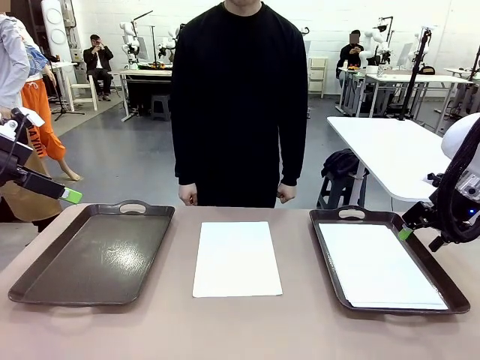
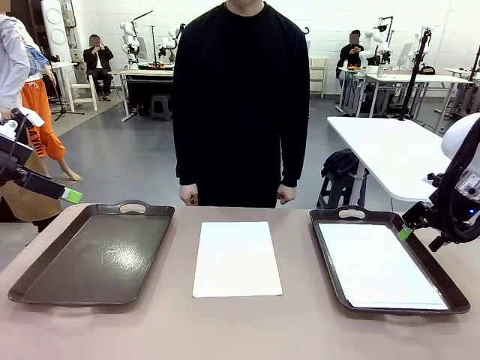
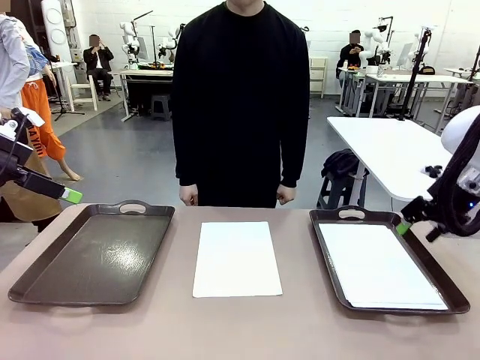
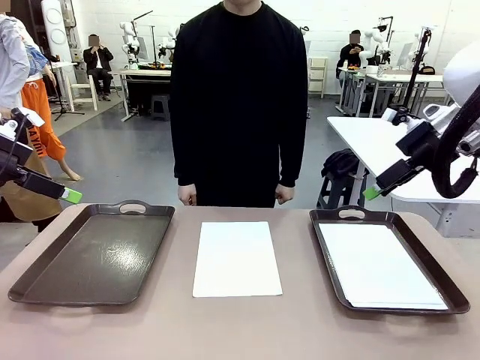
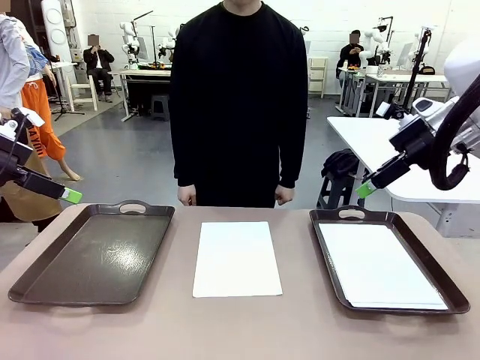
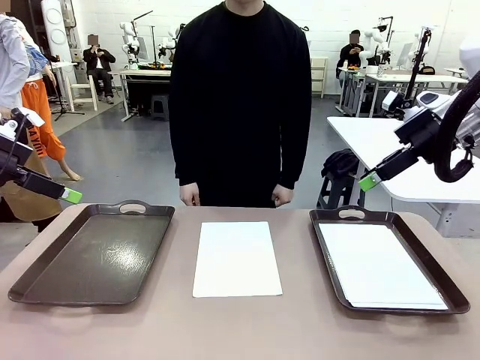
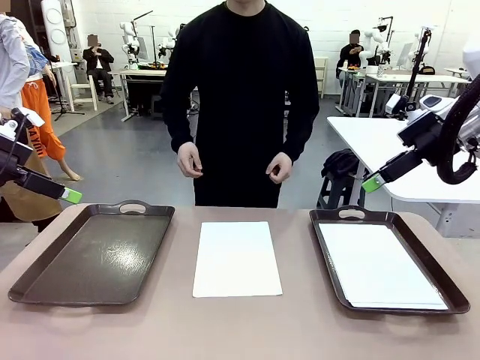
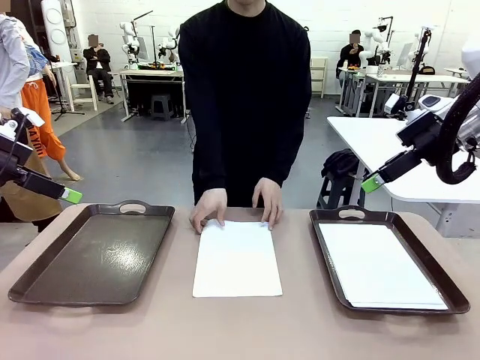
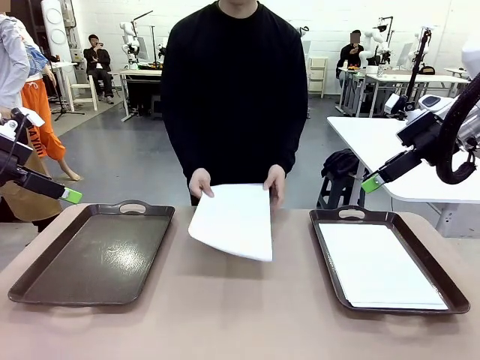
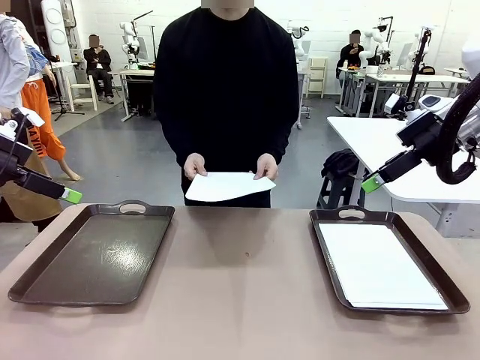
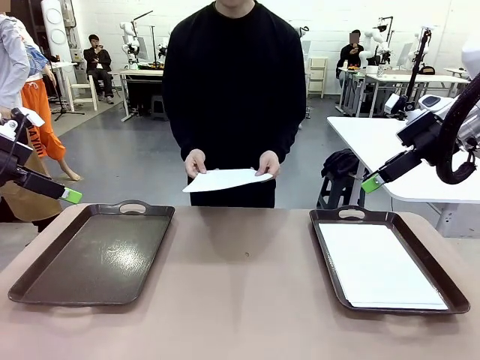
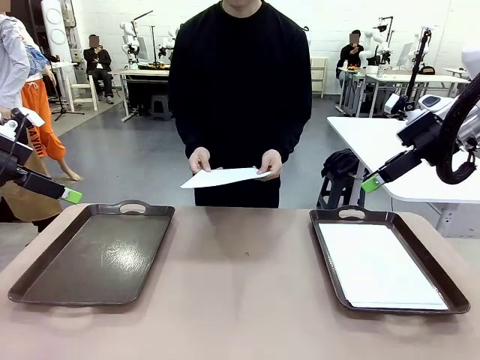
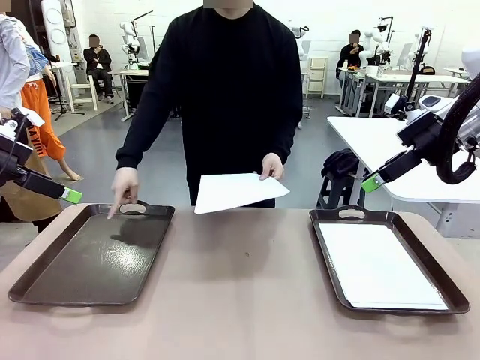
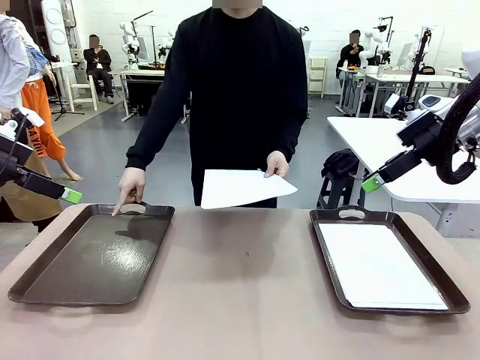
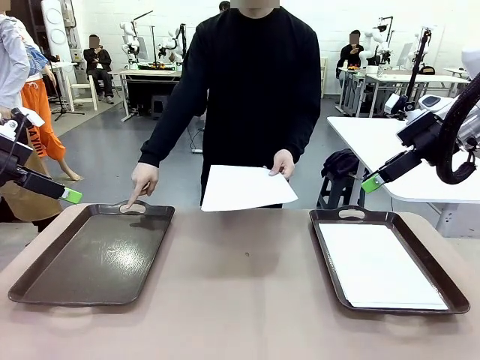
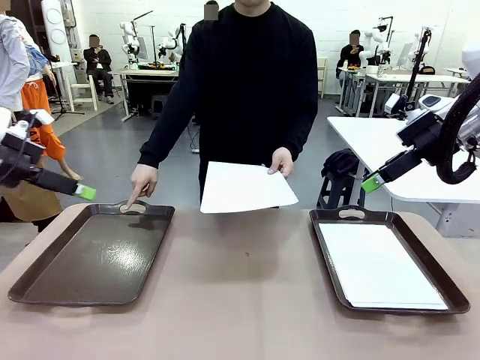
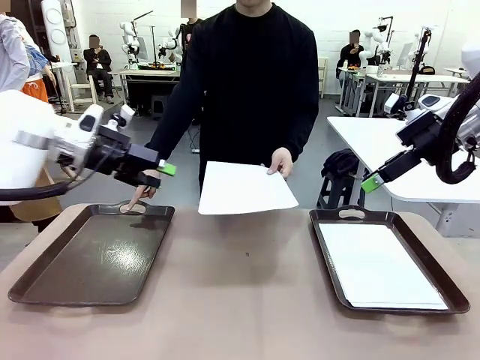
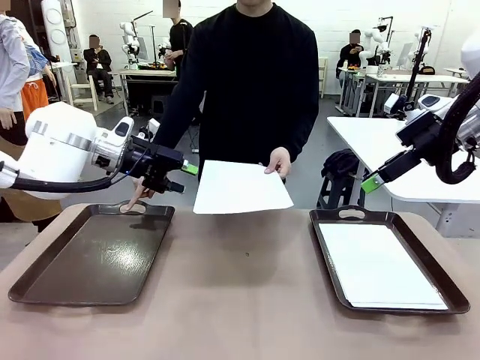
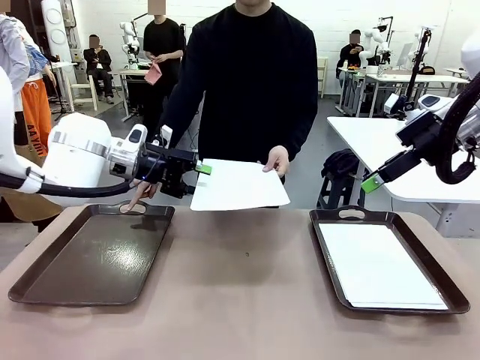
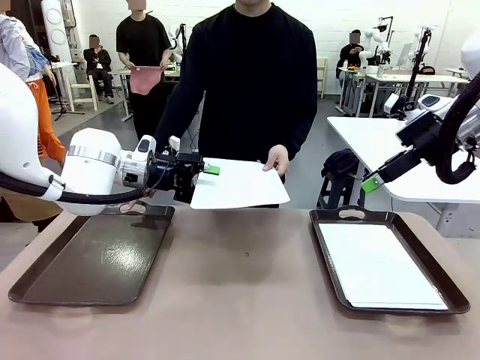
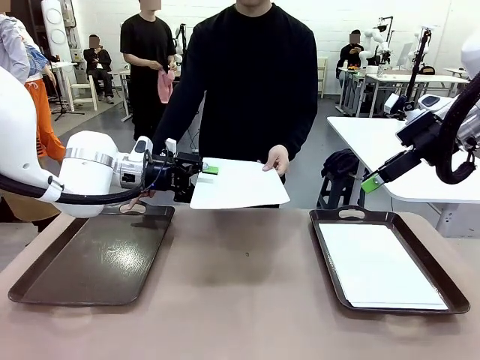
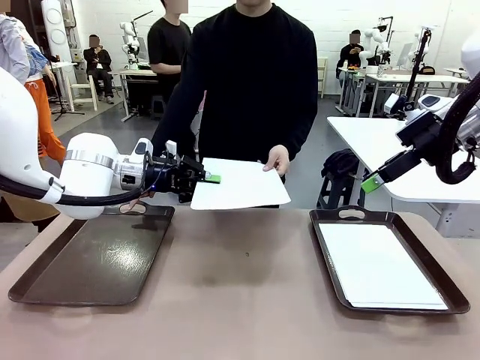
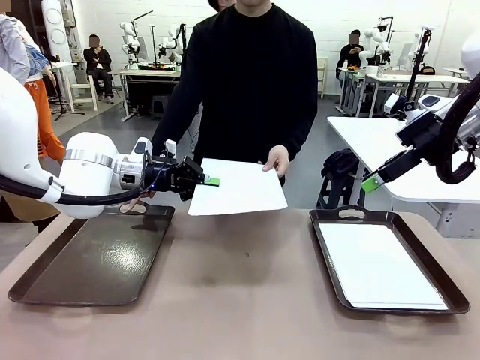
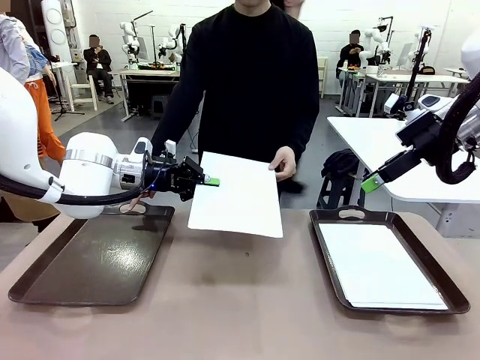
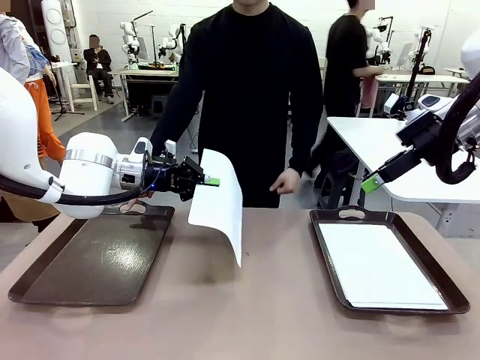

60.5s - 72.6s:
Task: Sort the A4 documents.
Robot: Receive the A4 Paper.
Person: Point the randomly selected tray with the other hand.

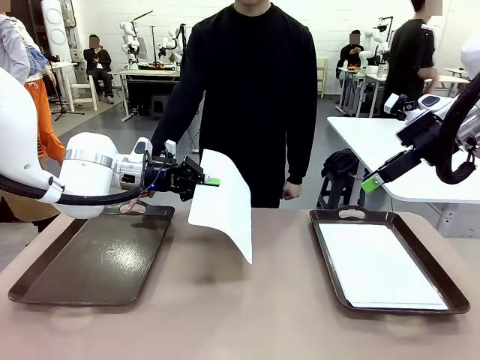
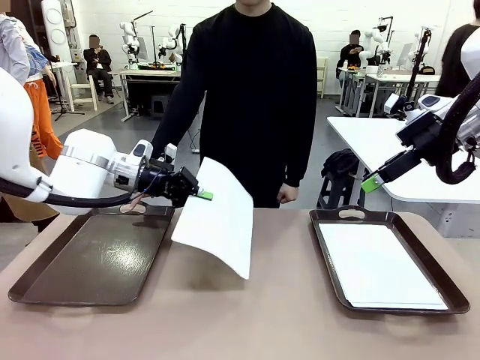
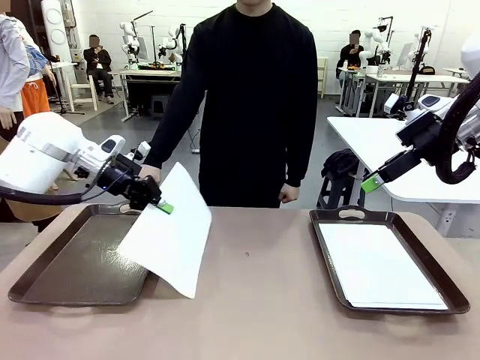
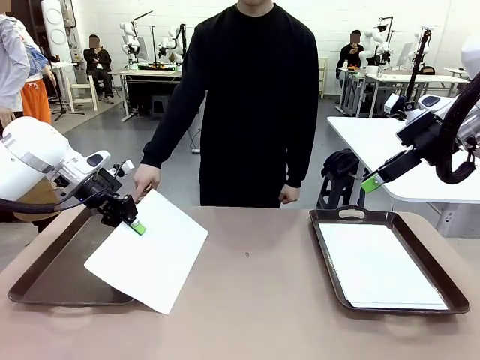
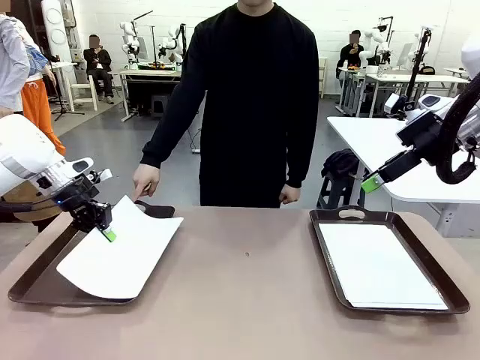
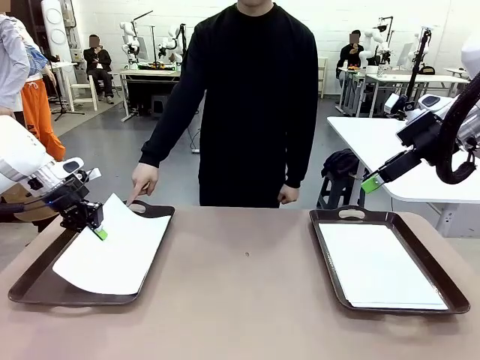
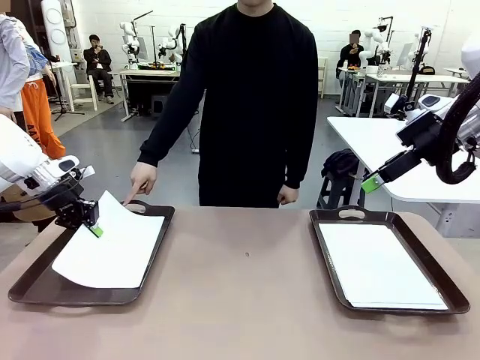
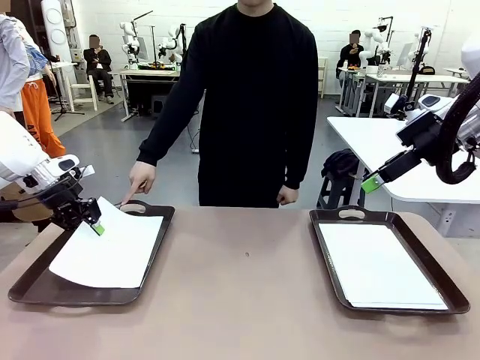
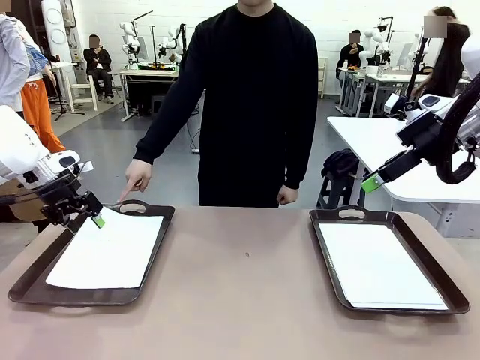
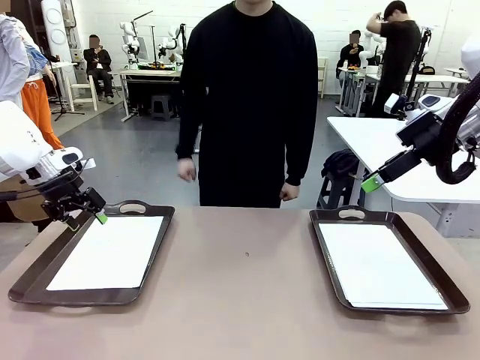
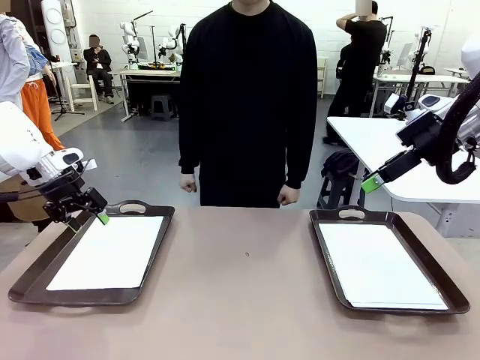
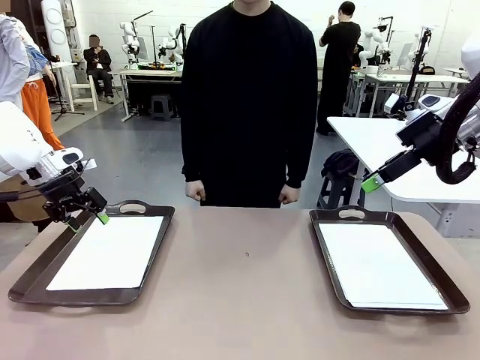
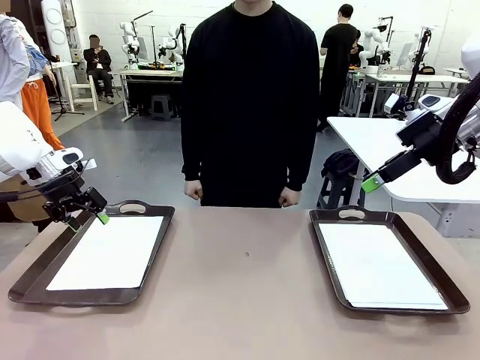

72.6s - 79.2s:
Robot: Place the A4 Paper in the designated Handle tray.

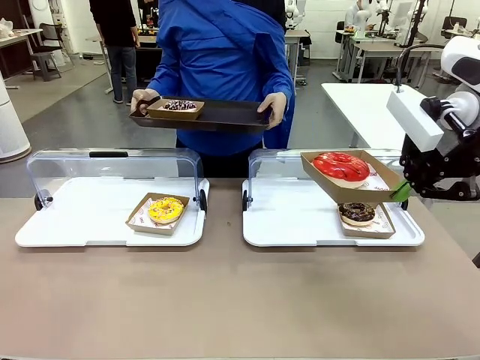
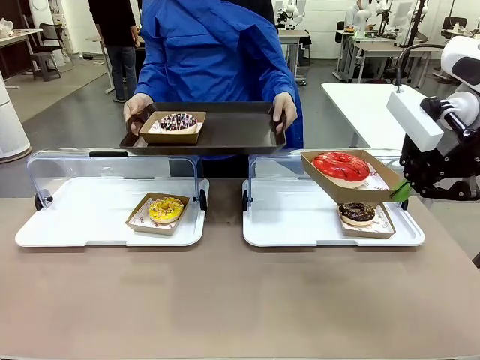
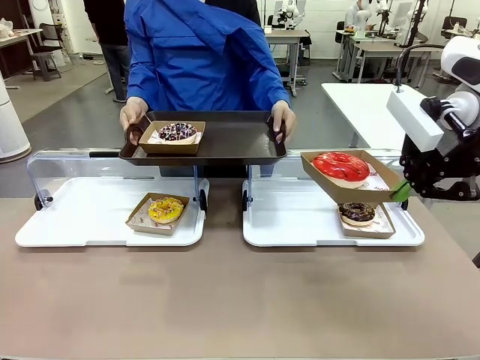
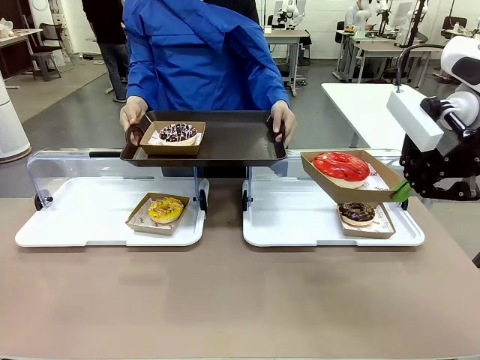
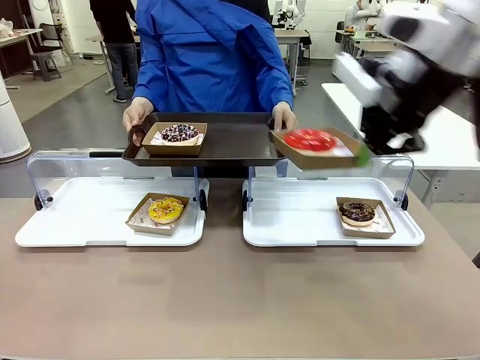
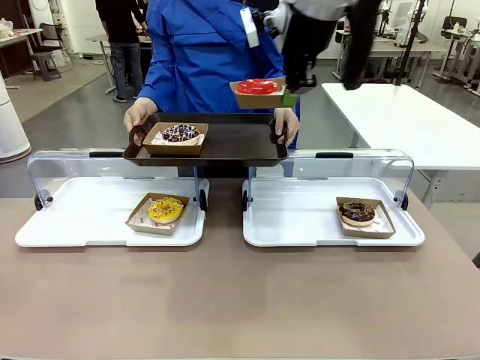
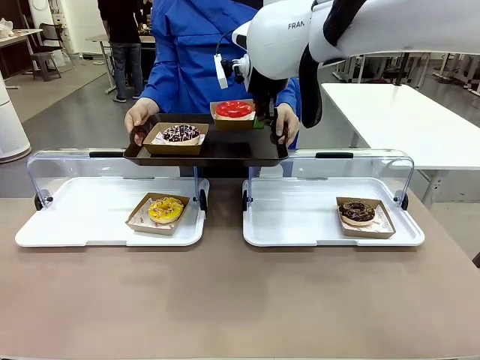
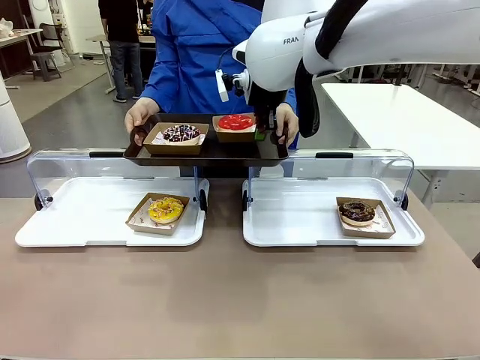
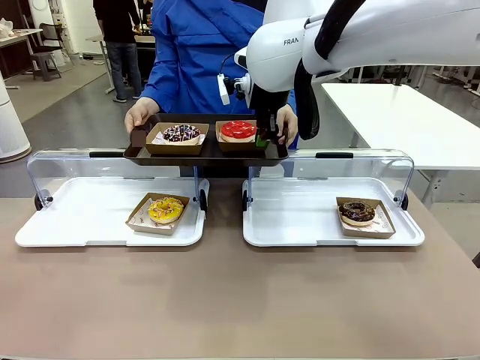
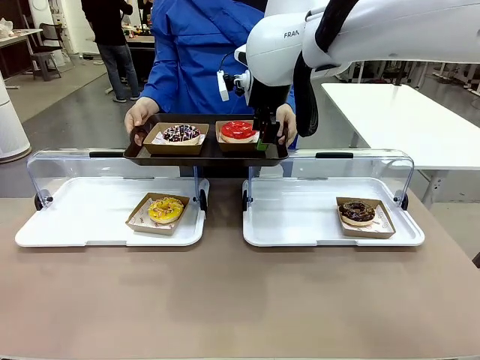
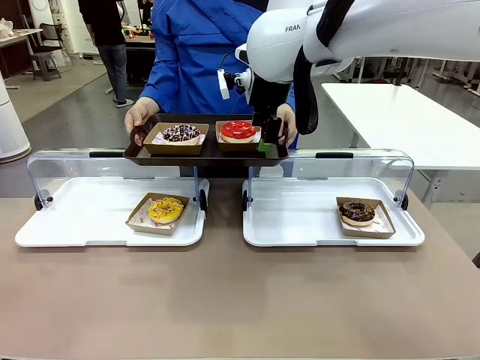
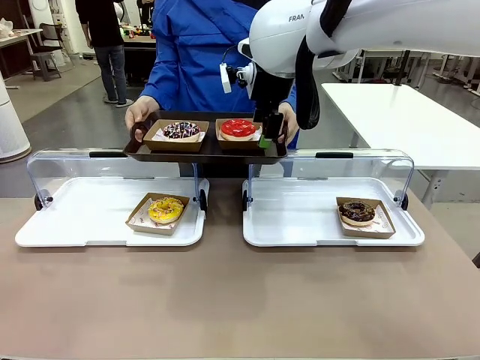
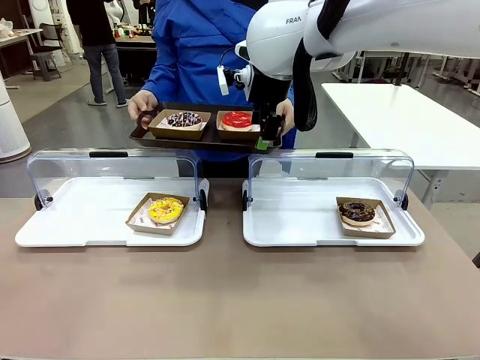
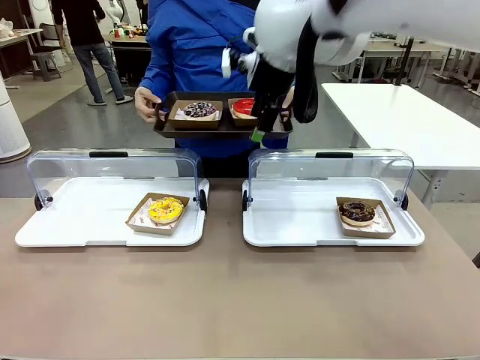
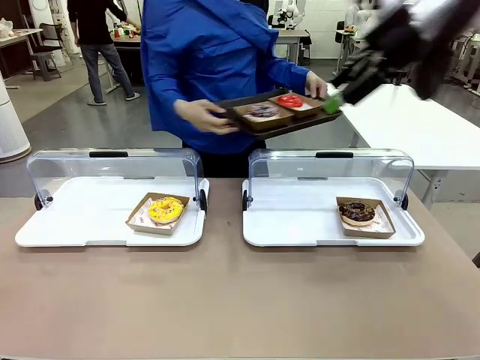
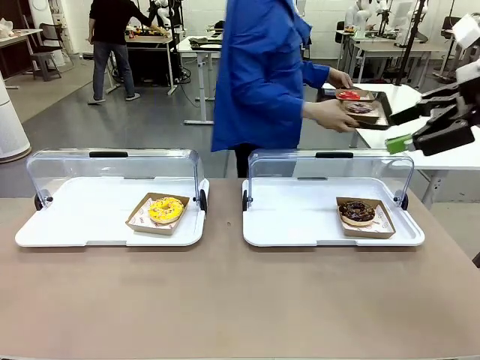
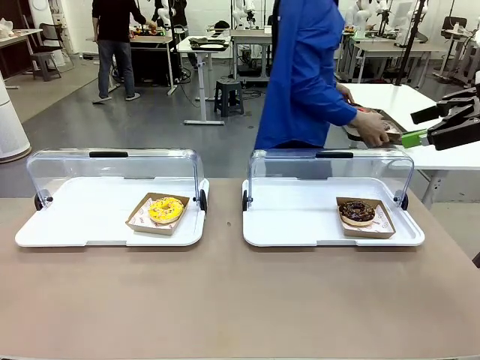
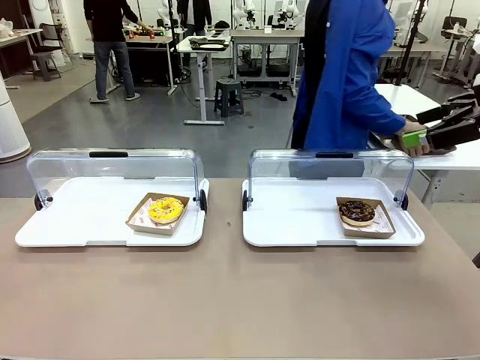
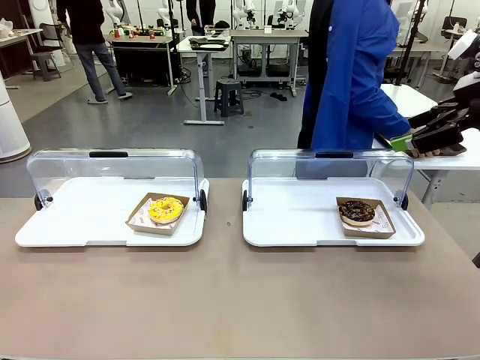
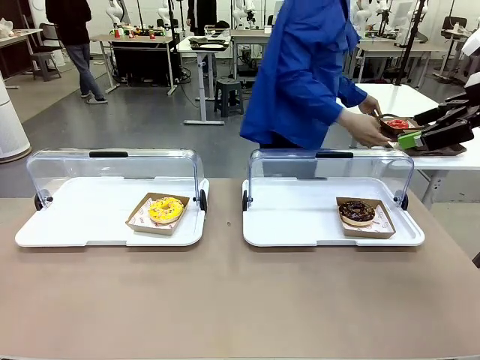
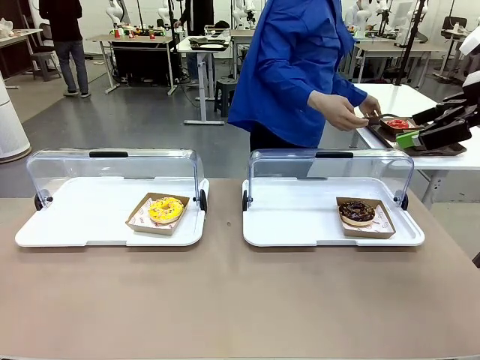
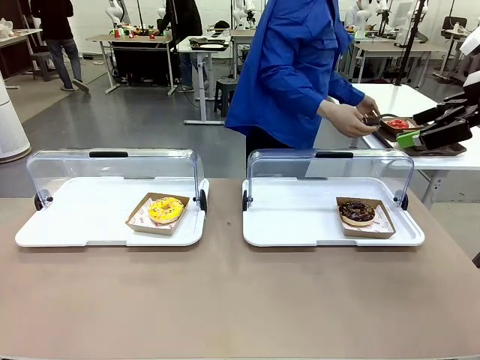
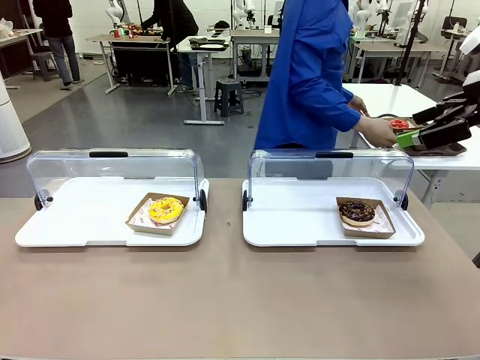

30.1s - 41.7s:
Task: Provide the desired donut to the person.
Robot: Place the picked Paper togo box onto the Handle tray extended by the person.
Person: Place the tray in the middle of the human table.
